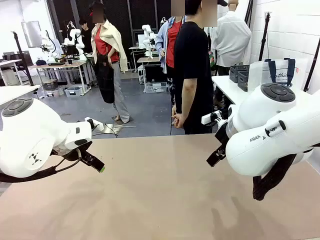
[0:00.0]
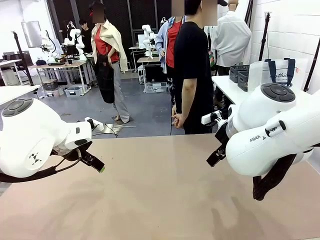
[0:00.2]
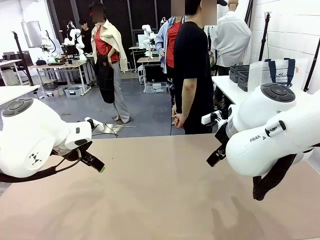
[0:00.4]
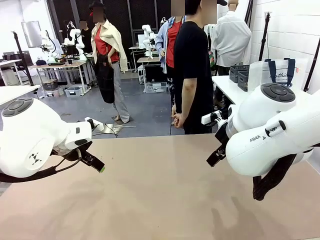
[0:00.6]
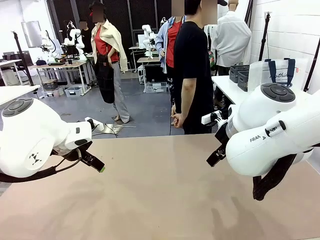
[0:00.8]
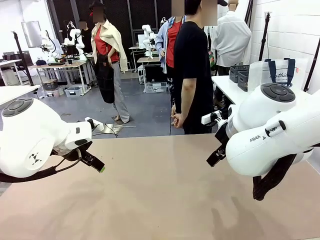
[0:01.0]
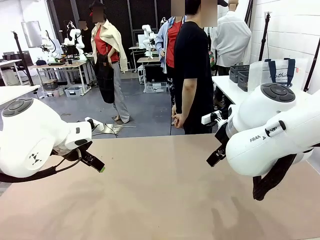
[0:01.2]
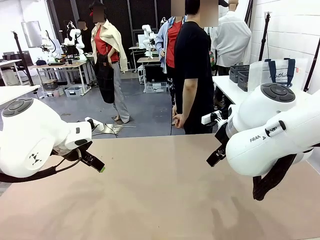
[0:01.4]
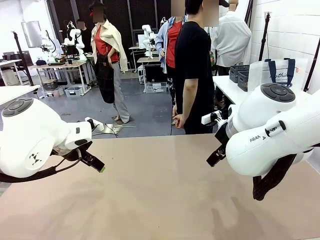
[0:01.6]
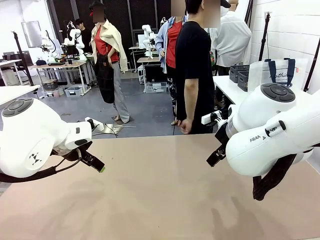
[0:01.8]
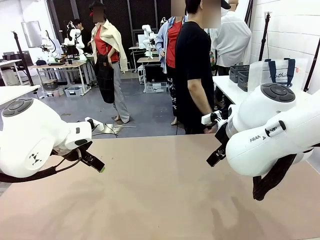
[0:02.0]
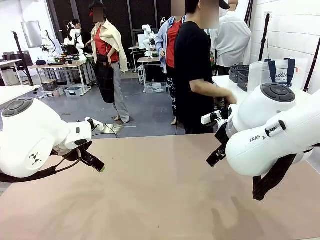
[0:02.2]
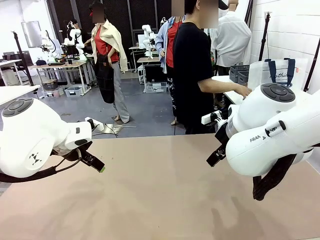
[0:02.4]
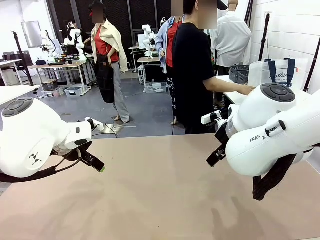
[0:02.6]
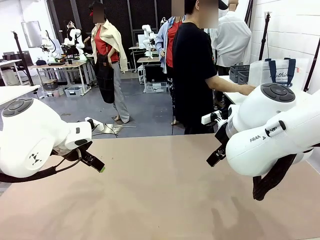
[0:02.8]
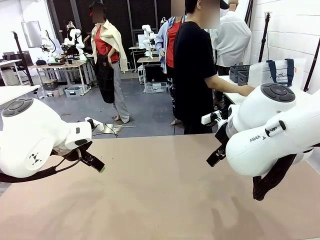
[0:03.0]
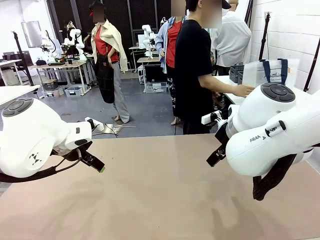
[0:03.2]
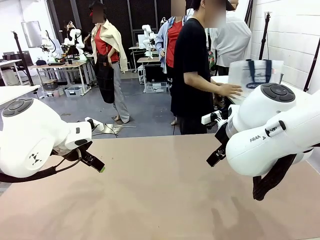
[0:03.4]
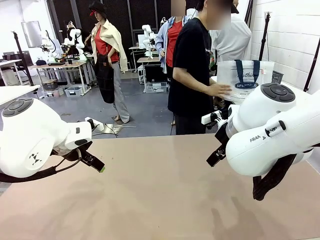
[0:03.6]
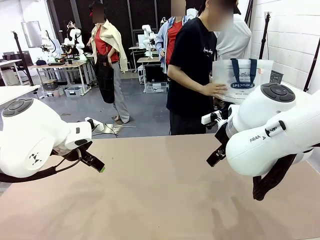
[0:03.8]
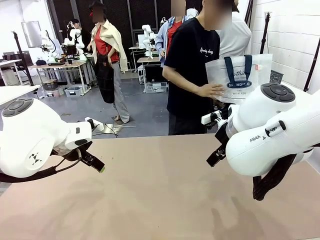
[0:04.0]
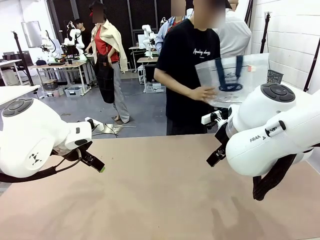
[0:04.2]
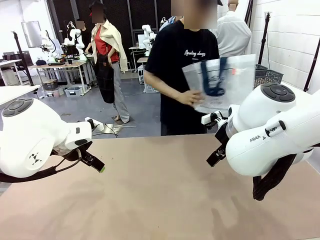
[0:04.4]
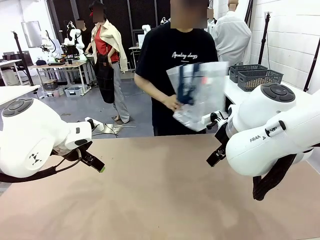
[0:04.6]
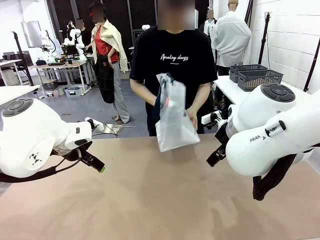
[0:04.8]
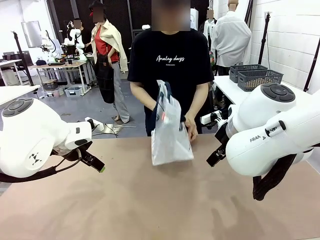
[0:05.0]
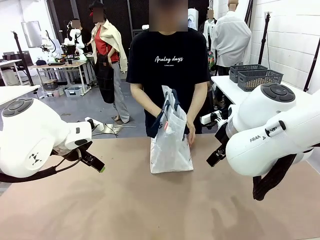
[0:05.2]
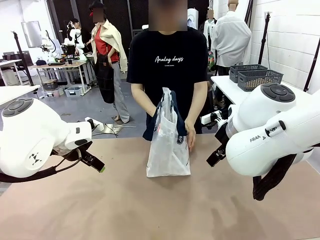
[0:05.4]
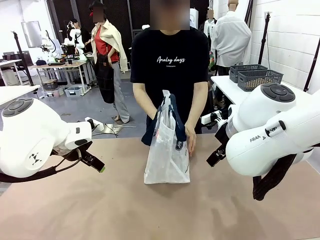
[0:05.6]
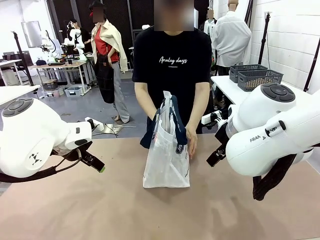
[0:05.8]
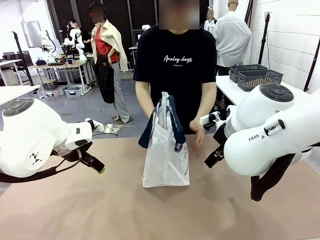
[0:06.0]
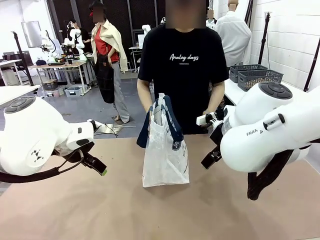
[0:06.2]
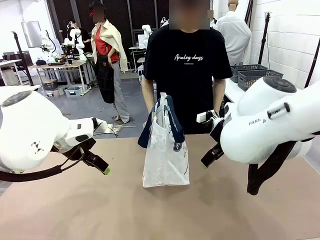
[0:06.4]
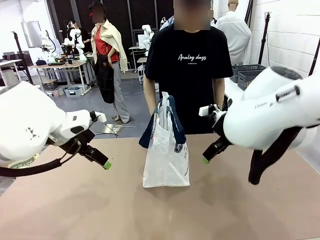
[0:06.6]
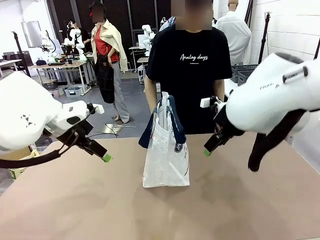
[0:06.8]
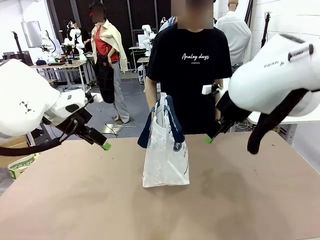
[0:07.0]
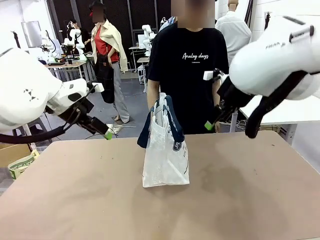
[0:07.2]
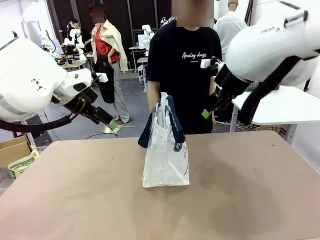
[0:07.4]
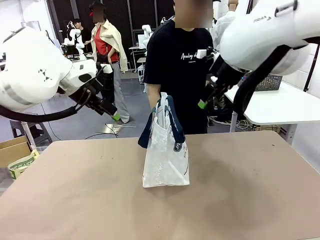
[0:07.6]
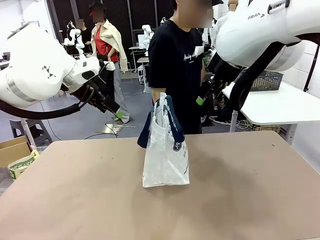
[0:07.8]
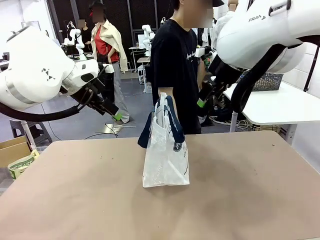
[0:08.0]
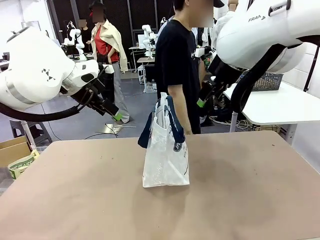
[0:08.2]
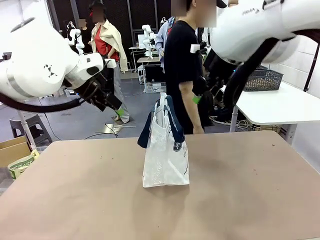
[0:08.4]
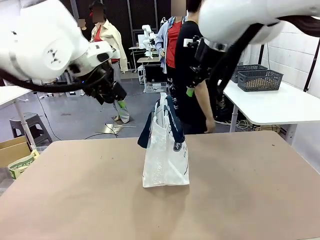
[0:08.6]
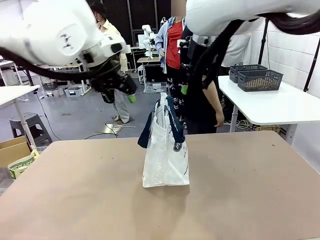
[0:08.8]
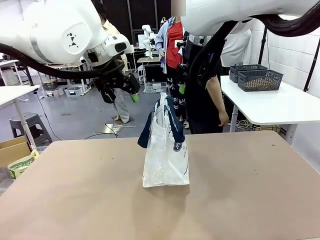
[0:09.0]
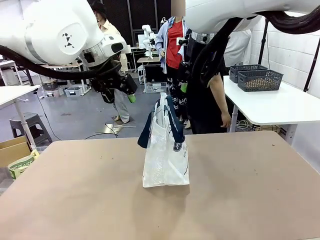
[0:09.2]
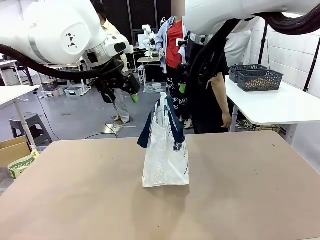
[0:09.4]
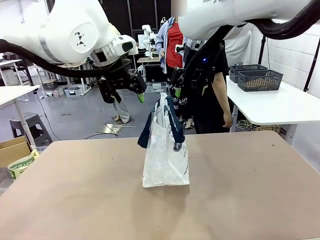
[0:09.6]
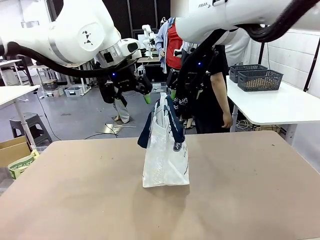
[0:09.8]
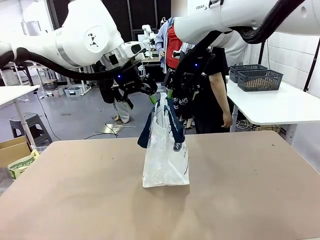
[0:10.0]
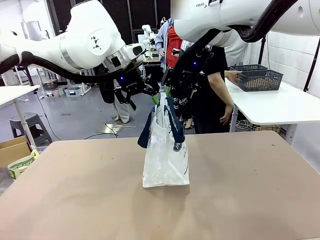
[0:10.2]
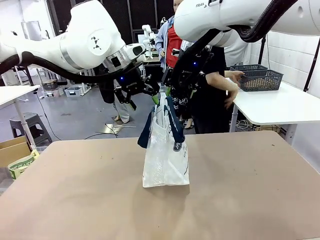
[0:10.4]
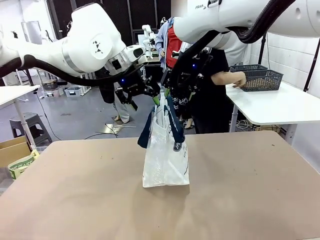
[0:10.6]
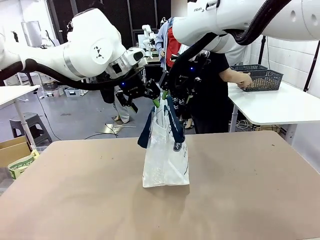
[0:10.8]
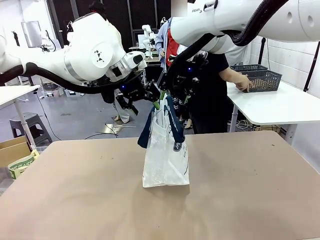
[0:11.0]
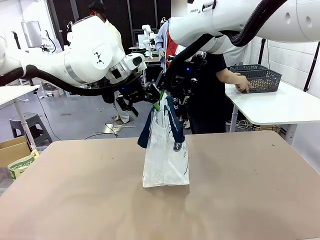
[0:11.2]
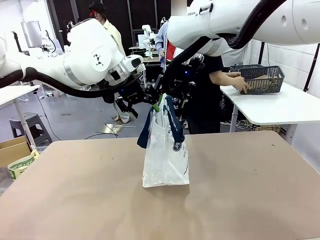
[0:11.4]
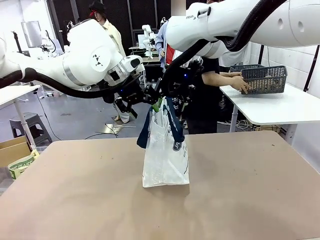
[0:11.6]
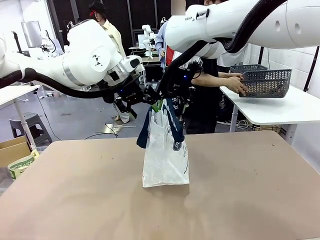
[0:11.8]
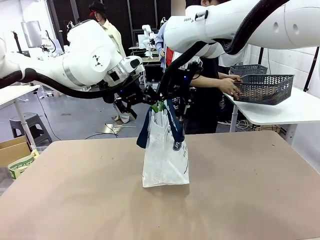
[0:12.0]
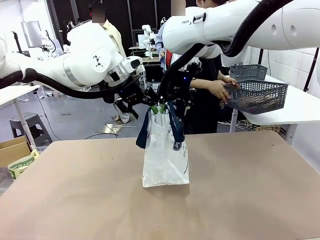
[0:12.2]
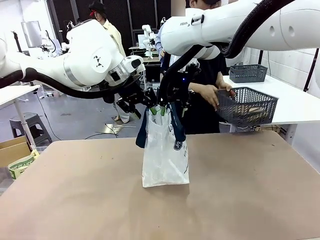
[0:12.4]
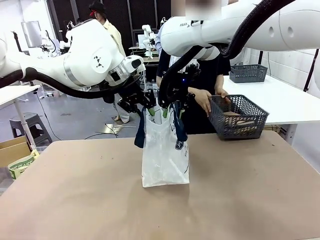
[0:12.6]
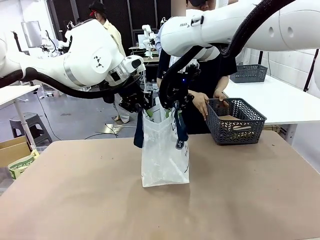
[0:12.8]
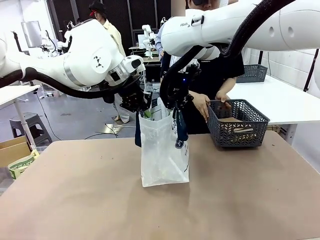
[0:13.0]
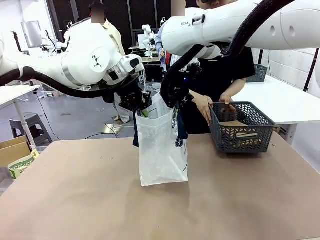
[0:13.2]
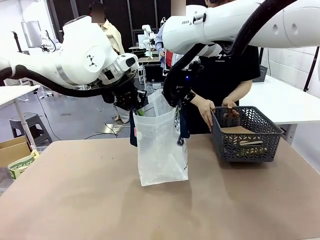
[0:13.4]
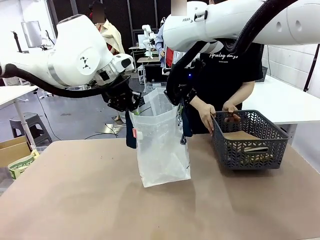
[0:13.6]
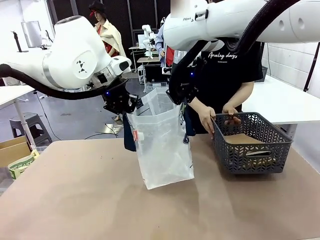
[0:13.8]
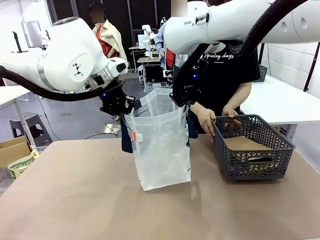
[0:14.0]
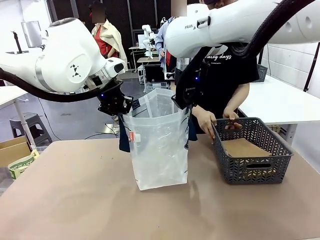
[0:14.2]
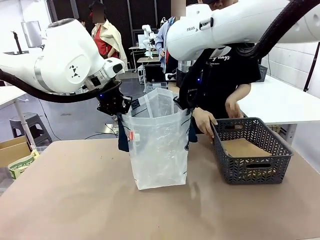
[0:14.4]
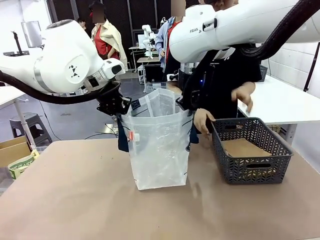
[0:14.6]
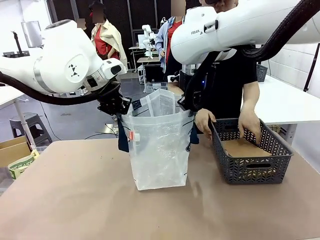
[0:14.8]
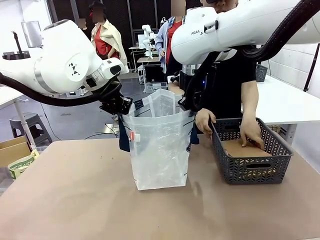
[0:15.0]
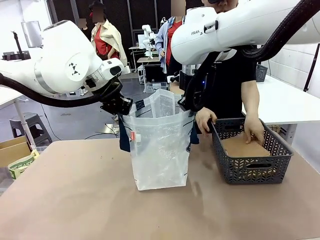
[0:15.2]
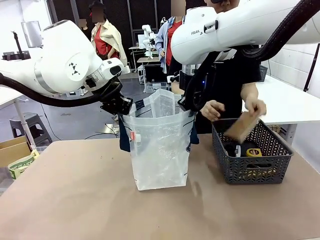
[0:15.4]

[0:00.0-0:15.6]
Task: Transfer purchased items from the store into the shopping bag.
Robot: Open the Reusable shopping bag in the center of the table.
Person: Pick up the shopping bag and place it in the middle of the robot table.
